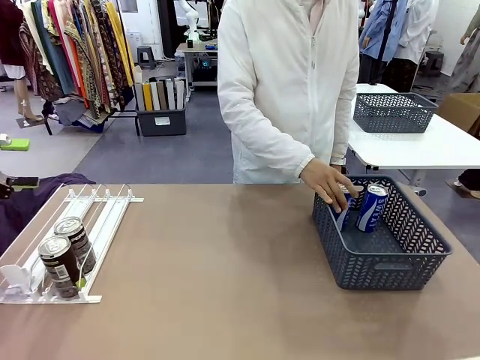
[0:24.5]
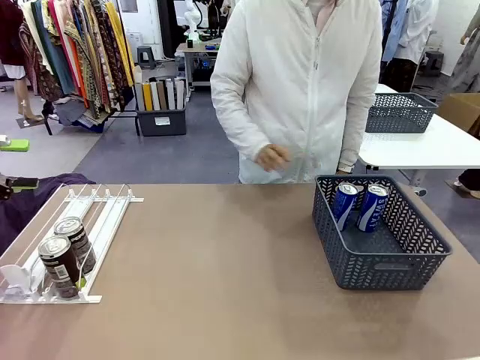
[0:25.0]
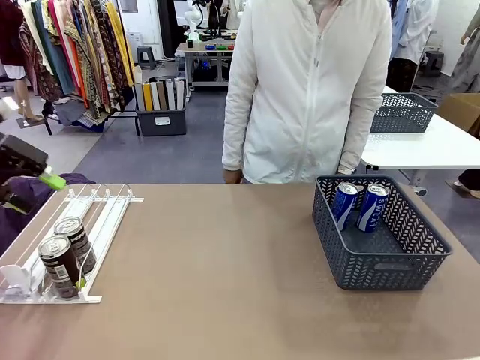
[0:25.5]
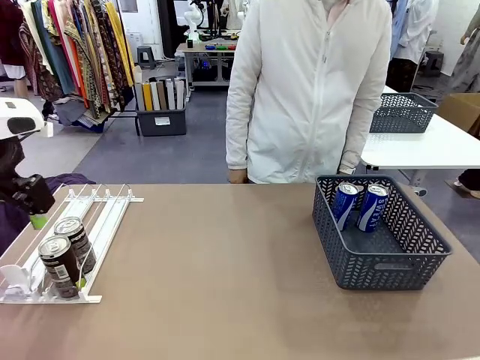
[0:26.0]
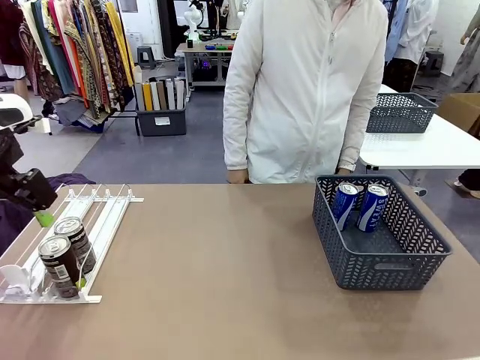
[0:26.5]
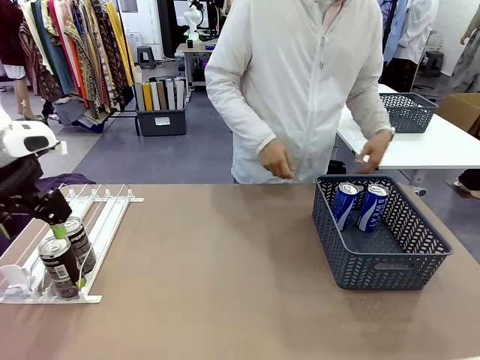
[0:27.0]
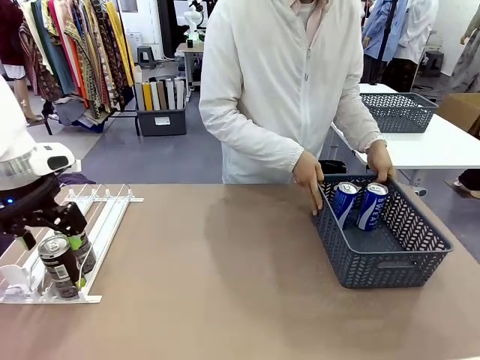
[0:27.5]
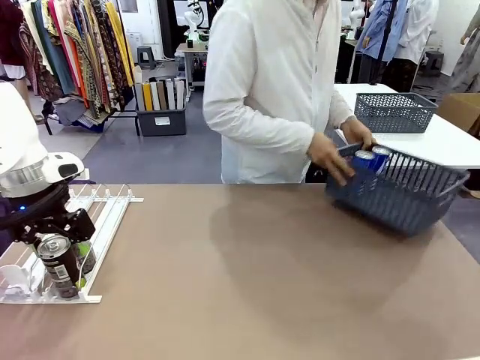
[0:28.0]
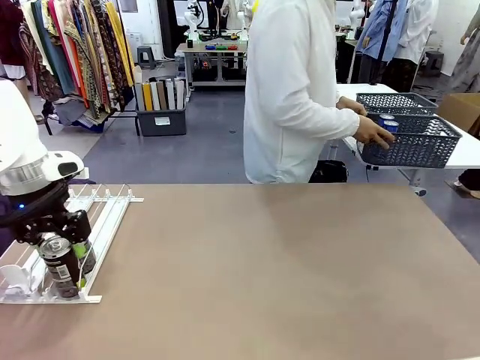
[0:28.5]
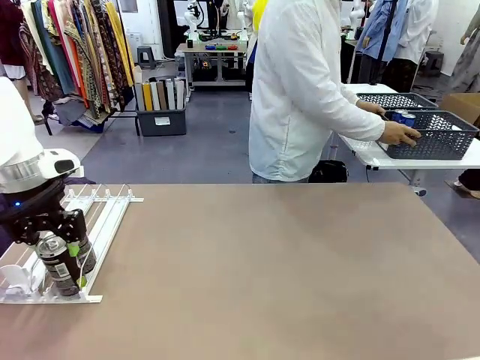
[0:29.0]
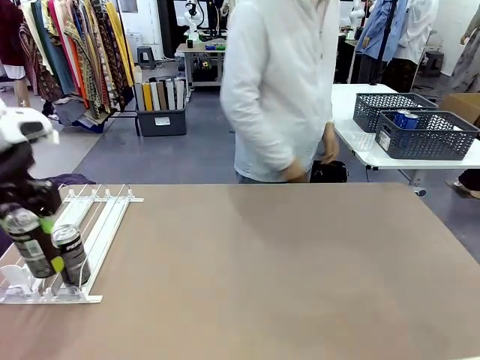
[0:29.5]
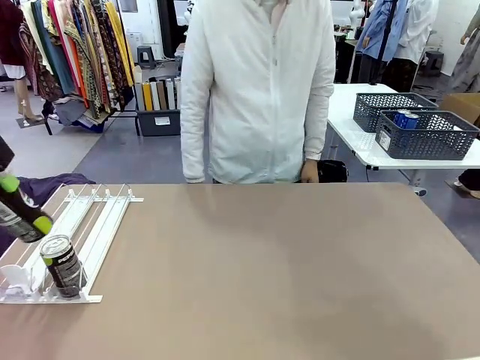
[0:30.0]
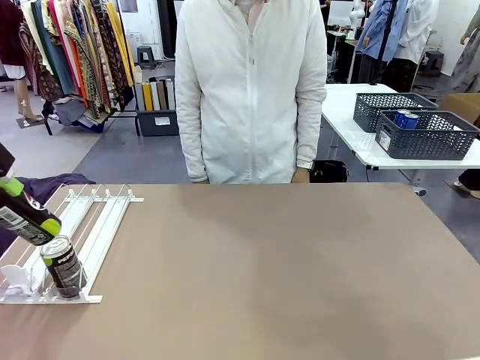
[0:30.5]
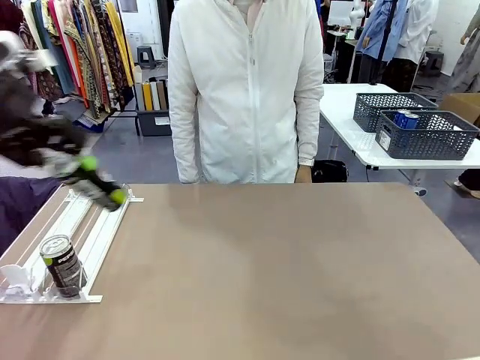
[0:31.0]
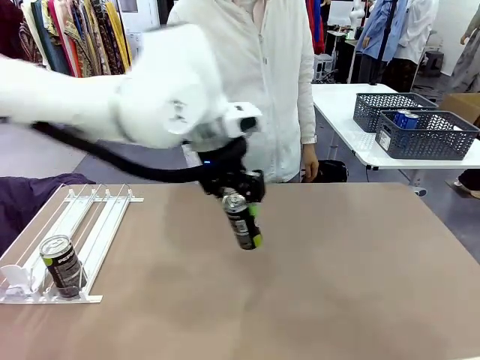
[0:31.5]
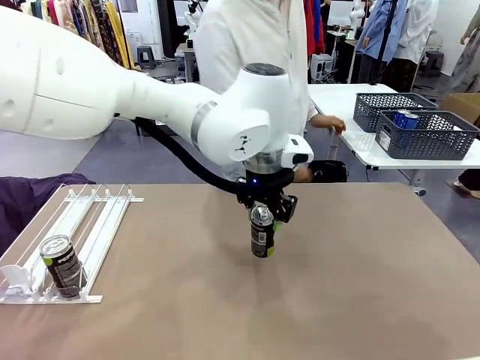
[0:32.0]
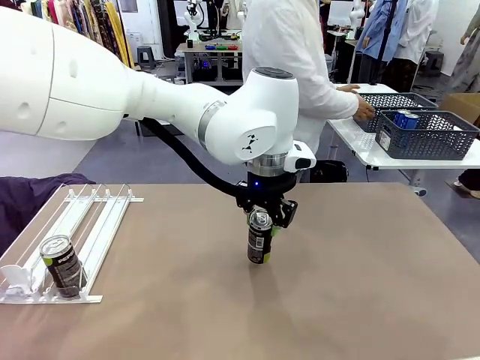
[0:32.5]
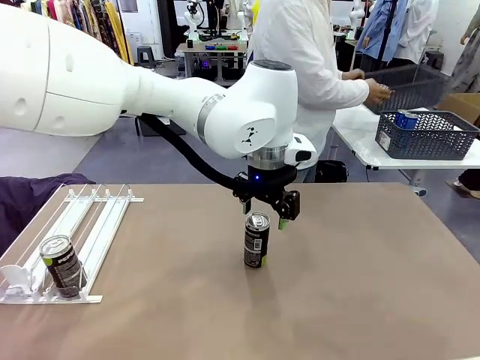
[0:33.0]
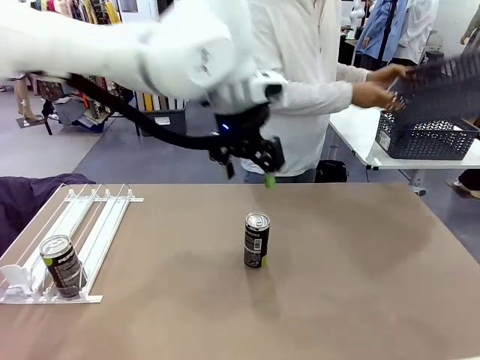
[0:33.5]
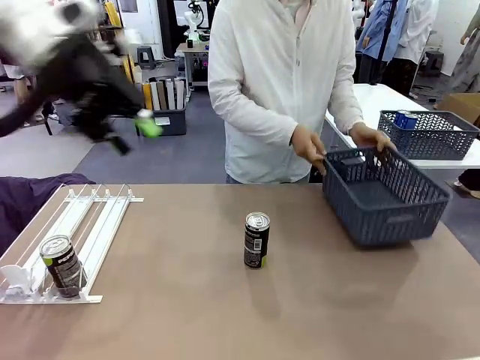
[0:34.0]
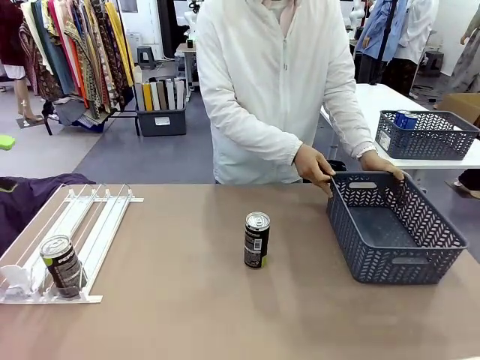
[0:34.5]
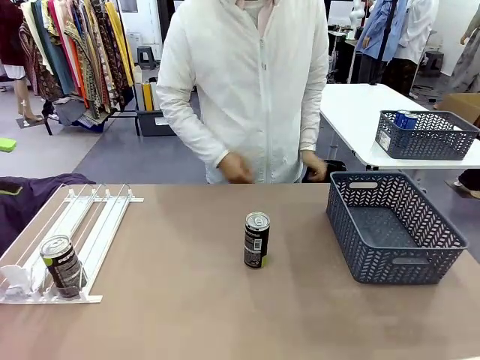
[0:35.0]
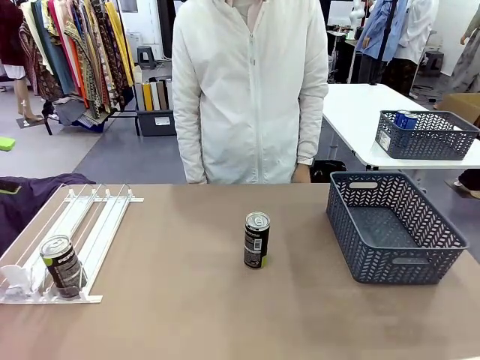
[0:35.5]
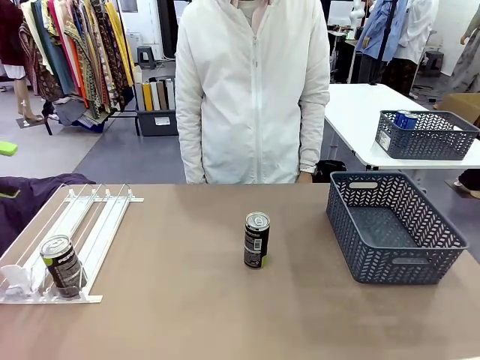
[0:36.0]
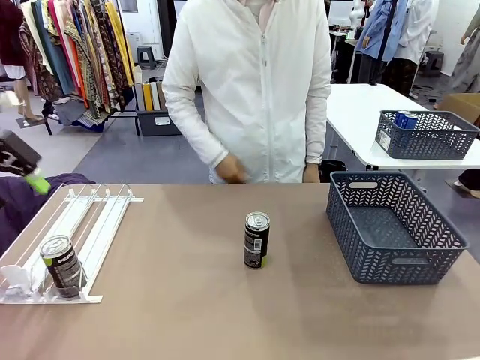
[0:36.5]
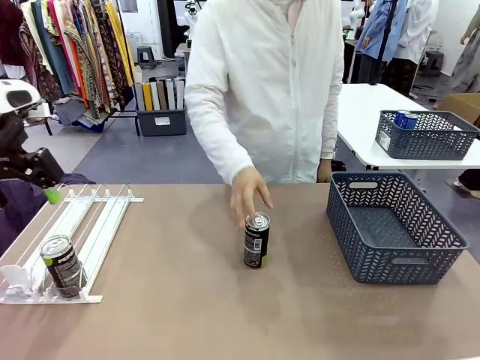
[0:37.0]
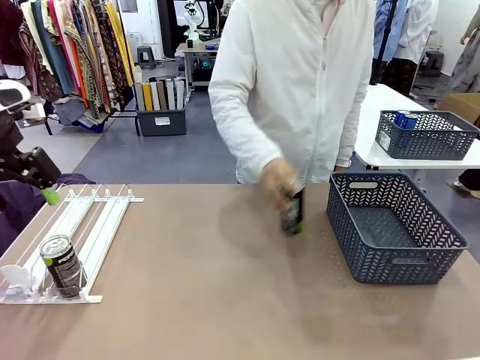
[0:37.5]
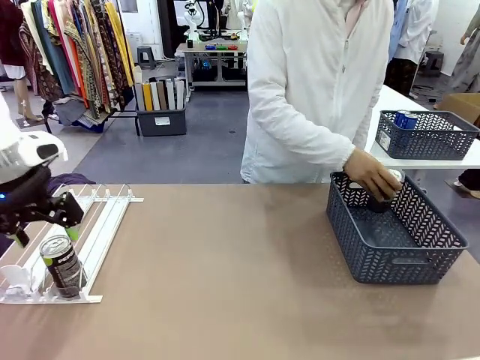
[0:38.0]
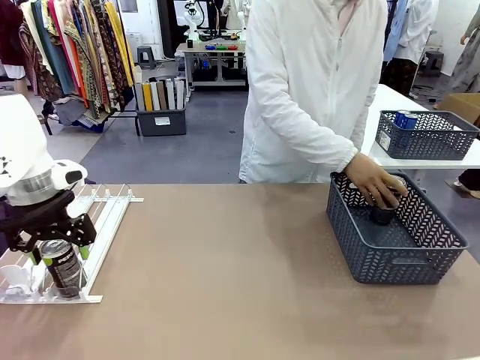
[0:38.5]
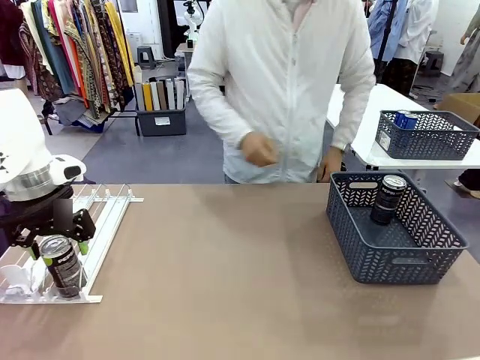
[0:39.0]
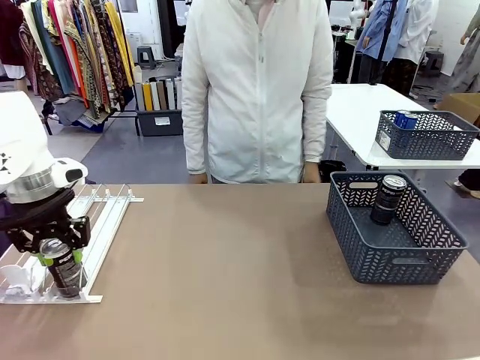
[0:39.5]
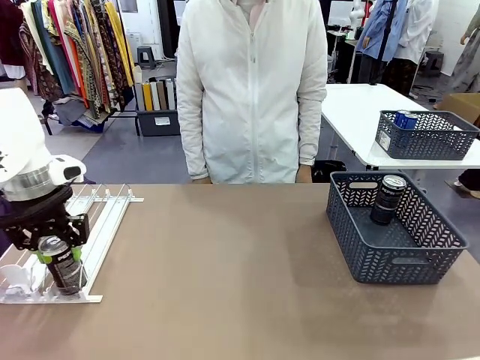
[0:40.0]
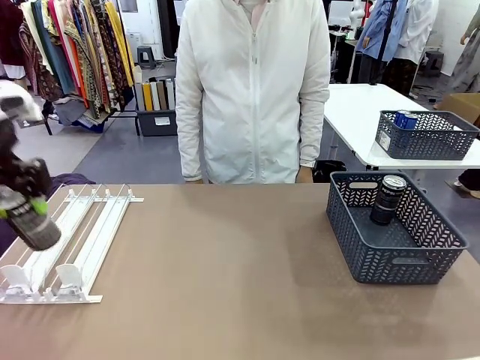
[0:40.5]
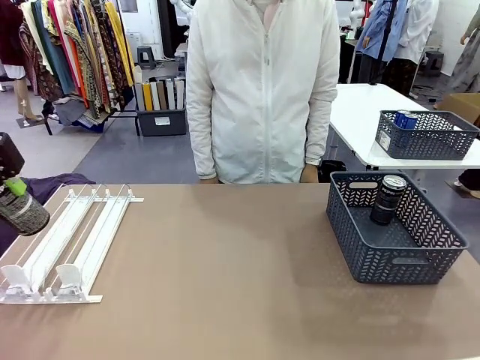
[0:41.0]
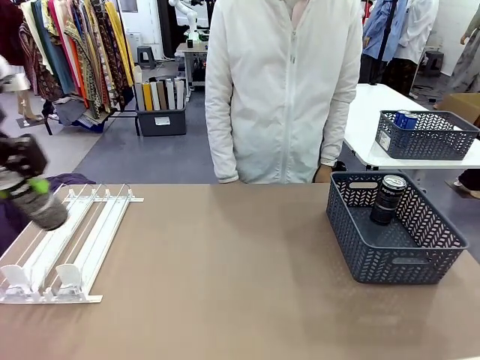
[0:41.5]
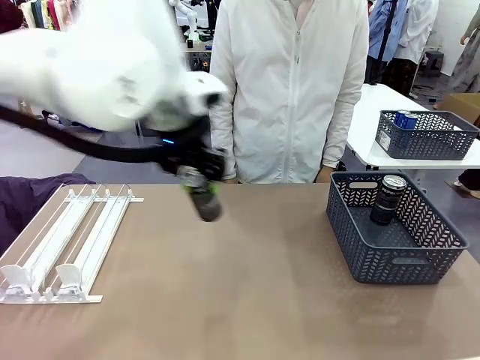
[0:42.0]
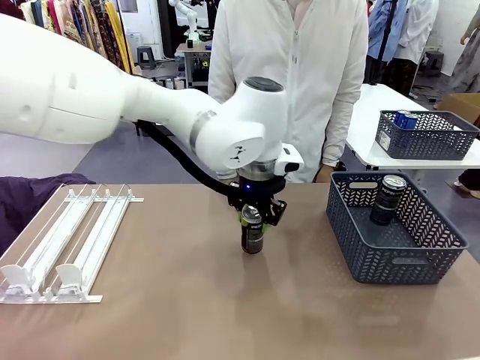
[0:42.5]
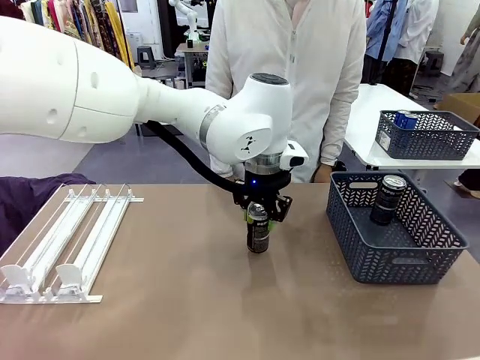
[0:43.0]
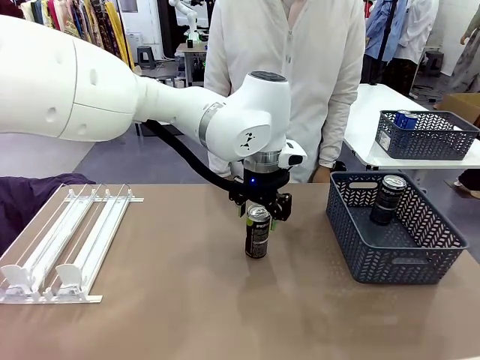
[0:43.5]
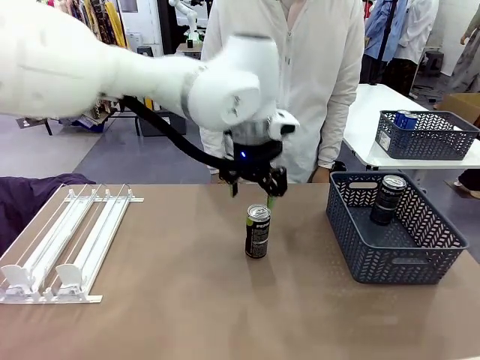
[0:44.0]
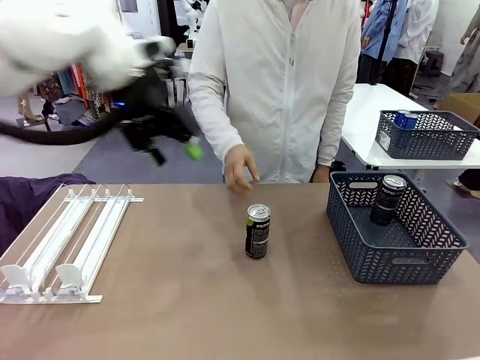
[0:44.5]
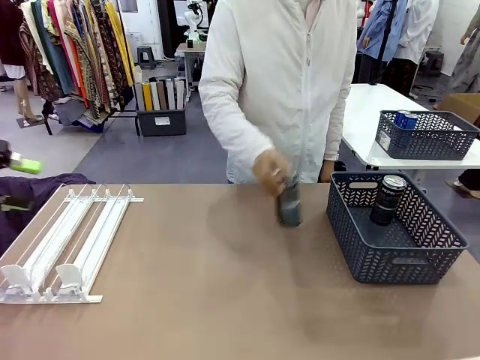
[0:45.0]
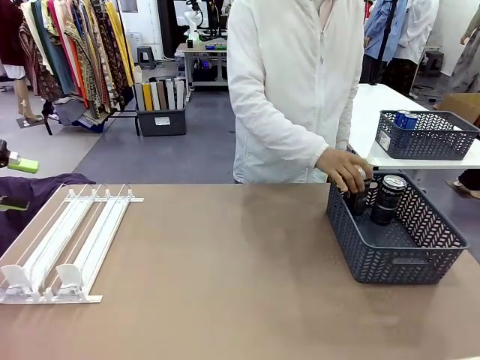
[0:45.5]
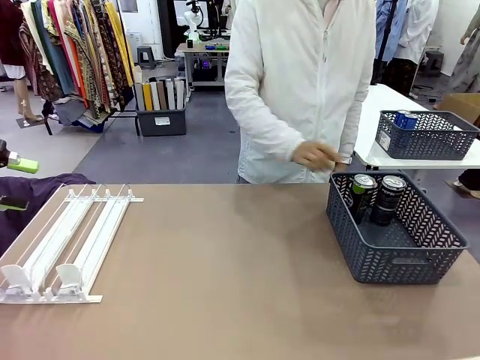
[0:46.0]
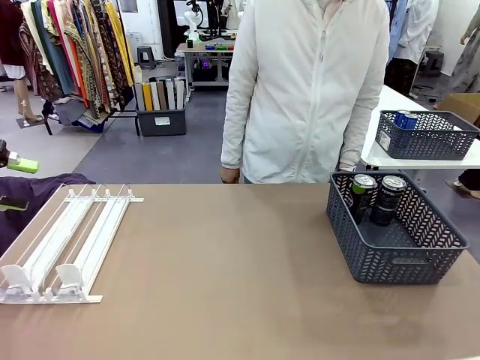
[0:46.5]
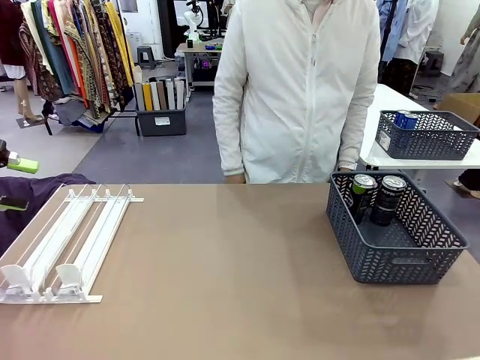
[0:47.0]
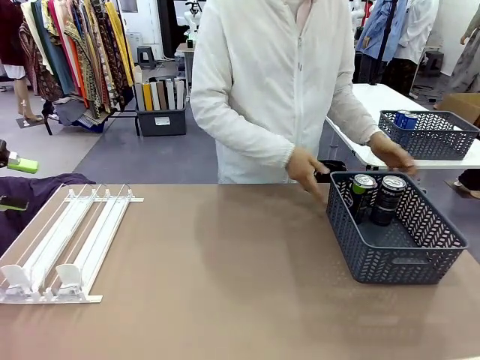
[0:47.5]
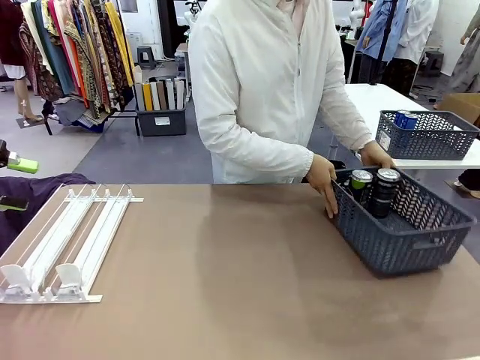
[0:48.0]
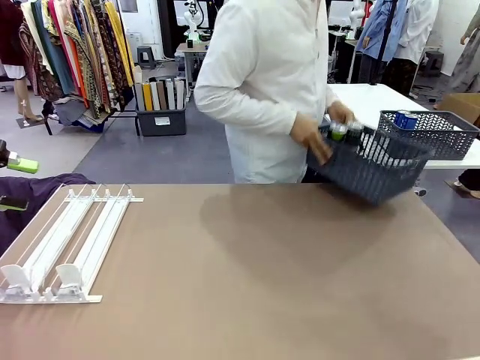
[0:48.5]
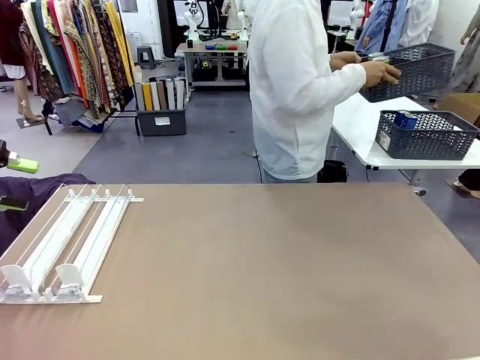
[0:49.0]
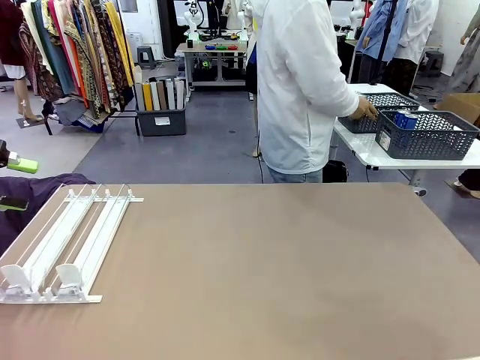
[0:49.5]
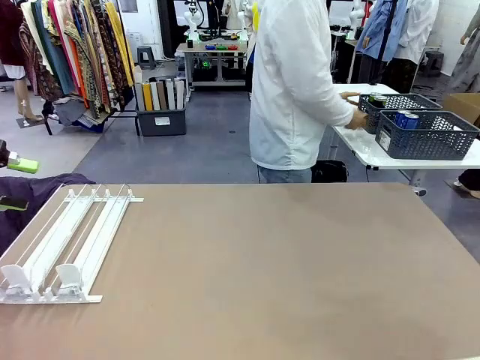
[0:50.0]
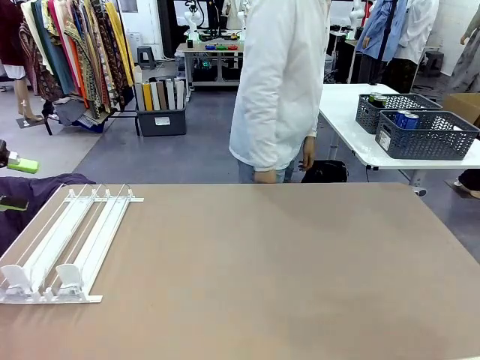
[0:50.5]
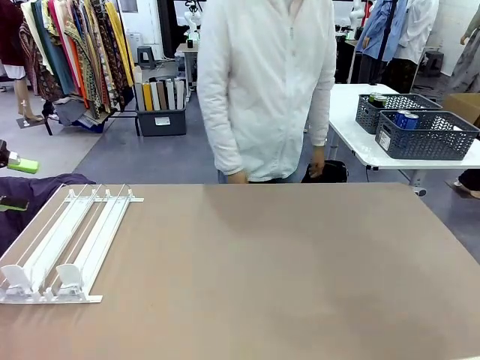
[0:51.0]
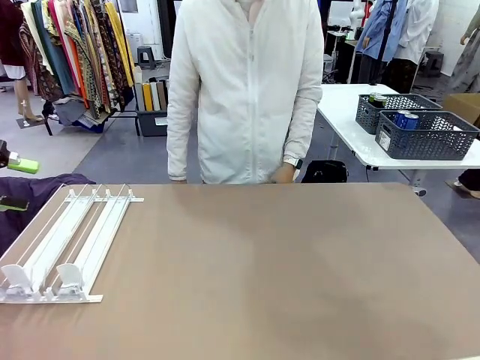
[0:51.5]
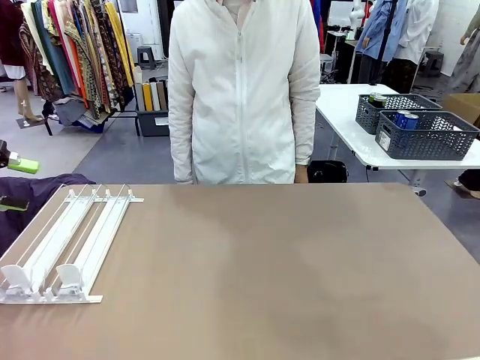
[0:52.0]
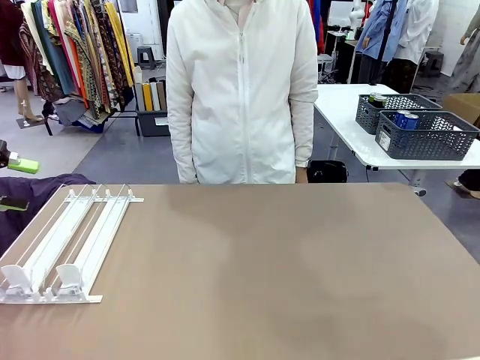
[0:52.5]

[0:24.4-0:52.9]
Task: Retrieve and store the cans from the dispenser.
Robot: Pick up one can from the Automatic Can Dispenser and place it in the middle of the table.
Person: Pick up the basket and place it in the middle of the human table. Pick up the empty basket and place it on the left side of the robot table. Pick up one sports drink can from the middle of the robot table and place it in the basket. Pick up the basket and place it in the middle of the human table.
